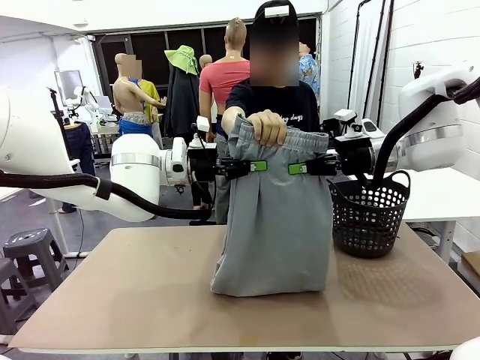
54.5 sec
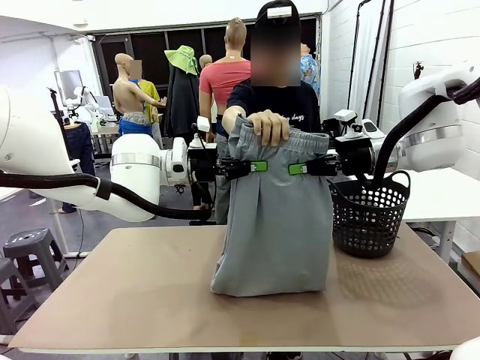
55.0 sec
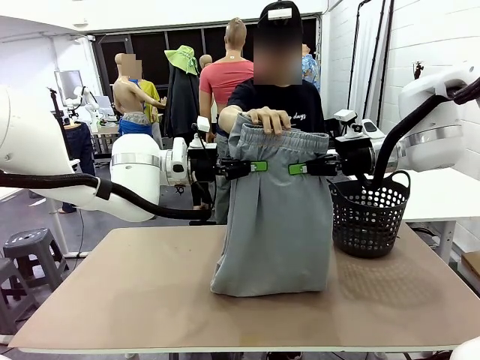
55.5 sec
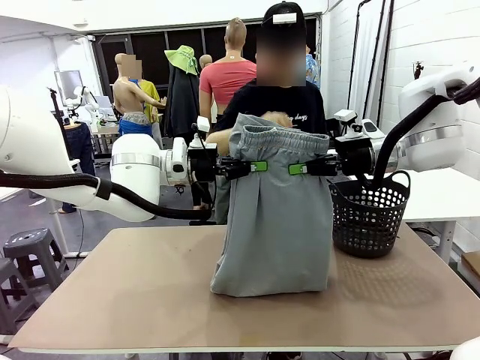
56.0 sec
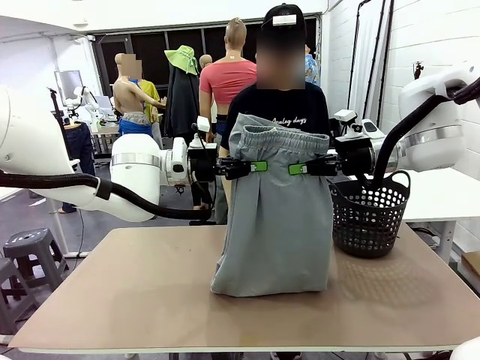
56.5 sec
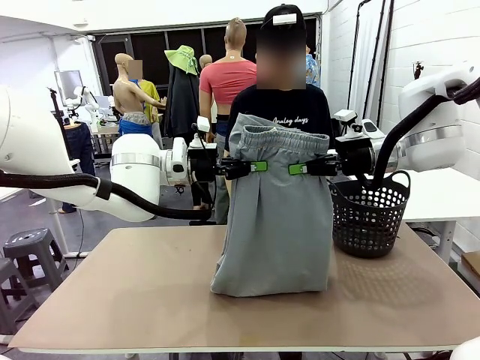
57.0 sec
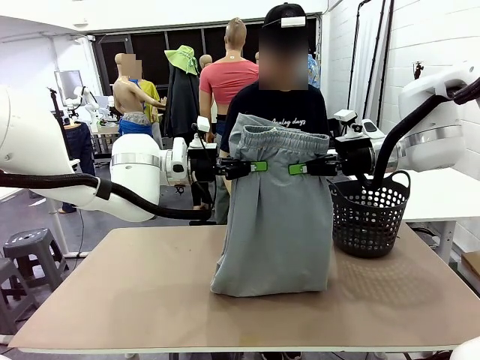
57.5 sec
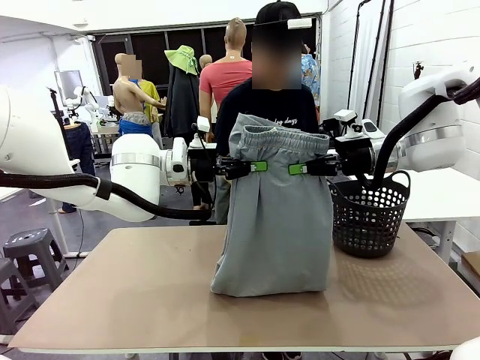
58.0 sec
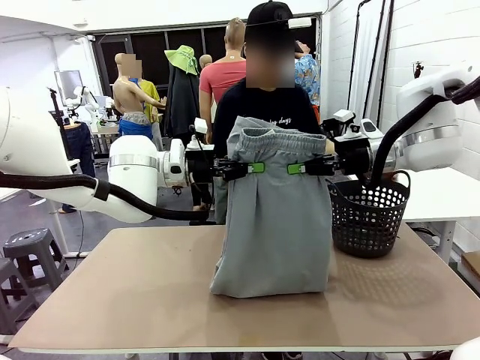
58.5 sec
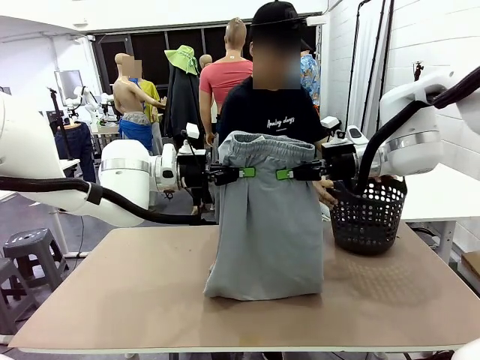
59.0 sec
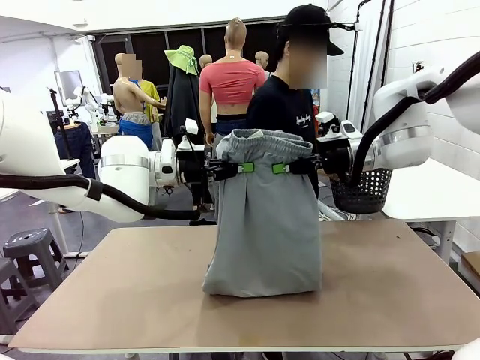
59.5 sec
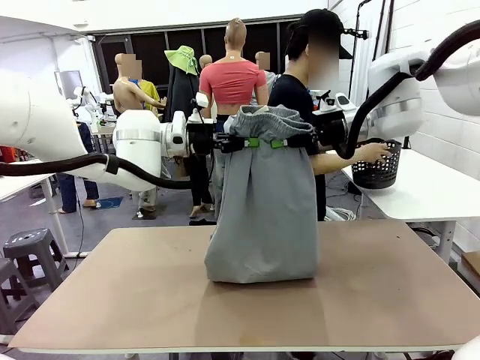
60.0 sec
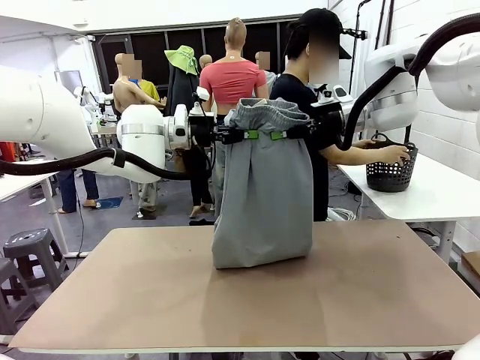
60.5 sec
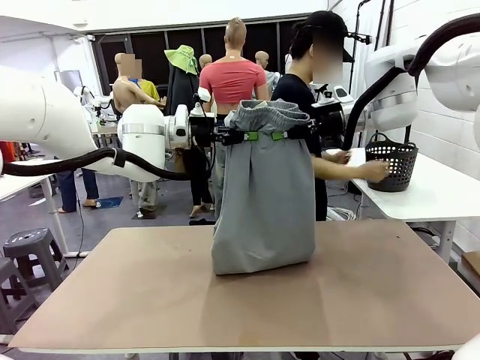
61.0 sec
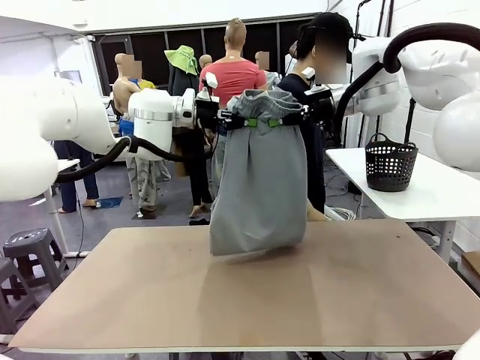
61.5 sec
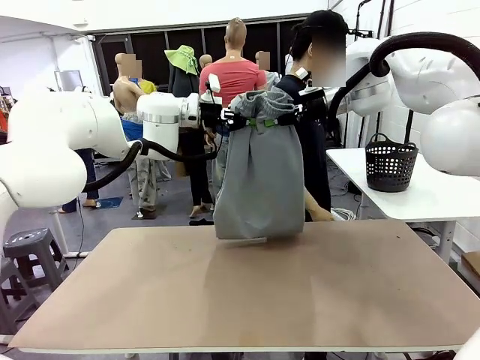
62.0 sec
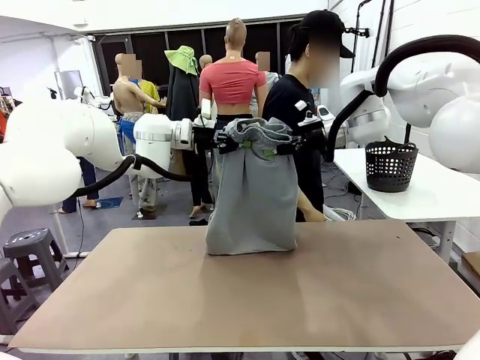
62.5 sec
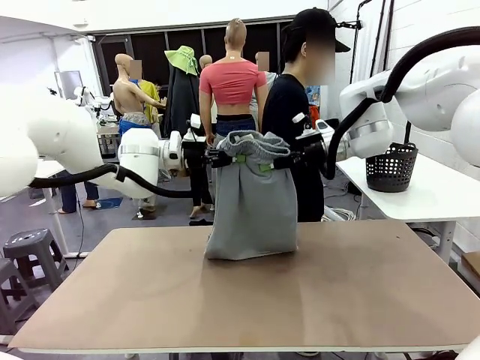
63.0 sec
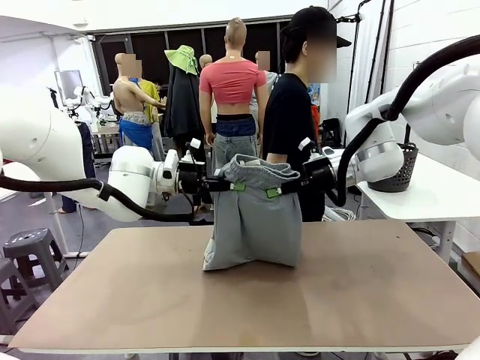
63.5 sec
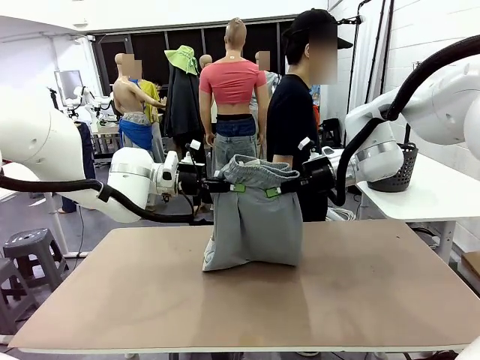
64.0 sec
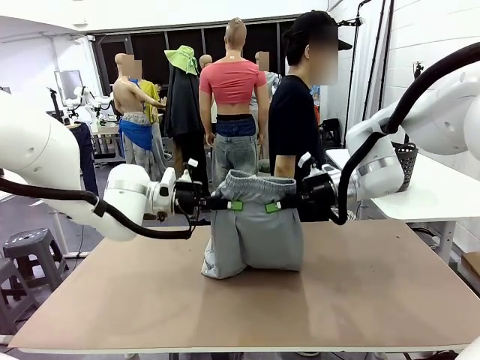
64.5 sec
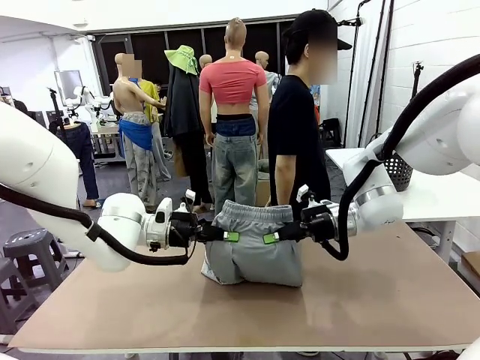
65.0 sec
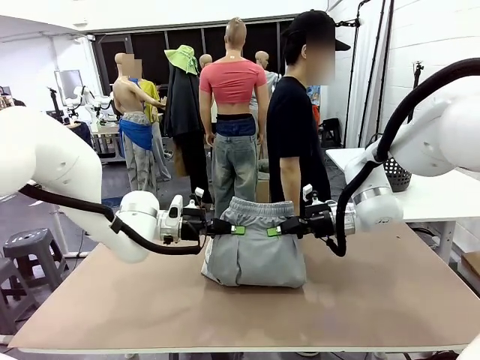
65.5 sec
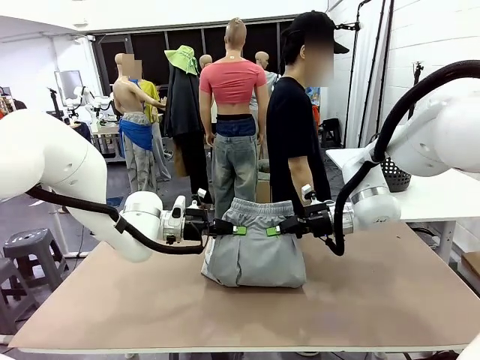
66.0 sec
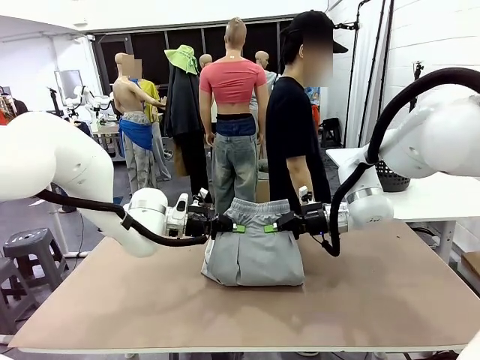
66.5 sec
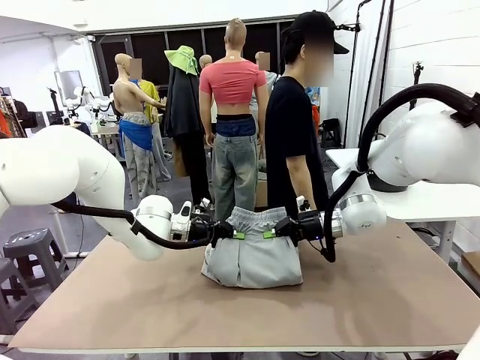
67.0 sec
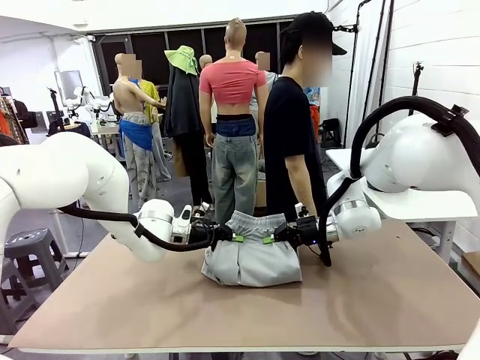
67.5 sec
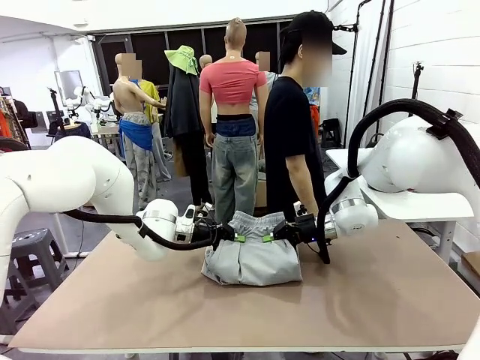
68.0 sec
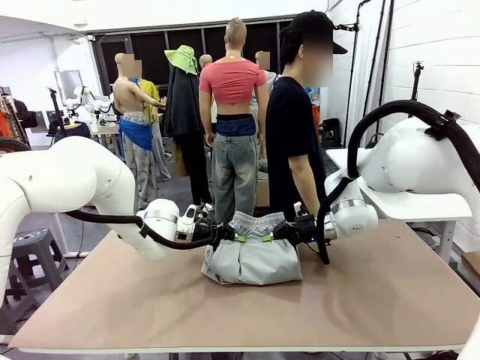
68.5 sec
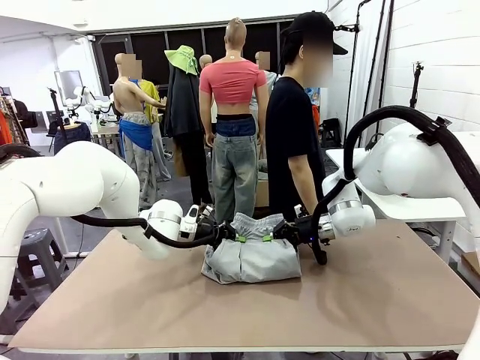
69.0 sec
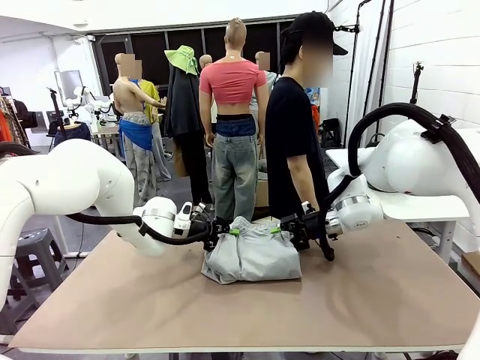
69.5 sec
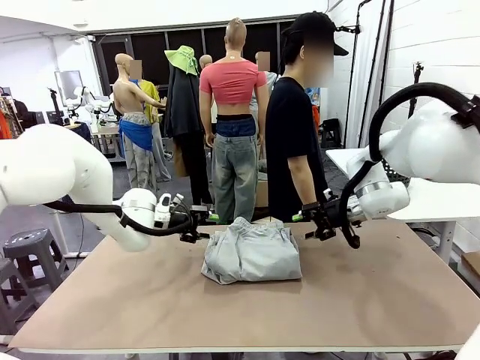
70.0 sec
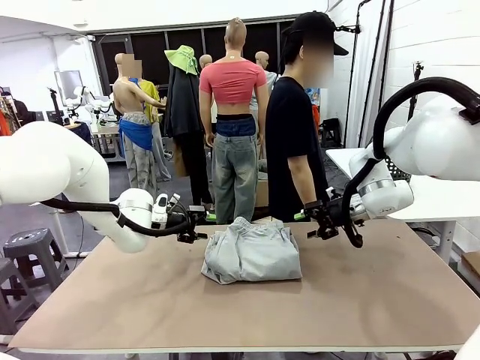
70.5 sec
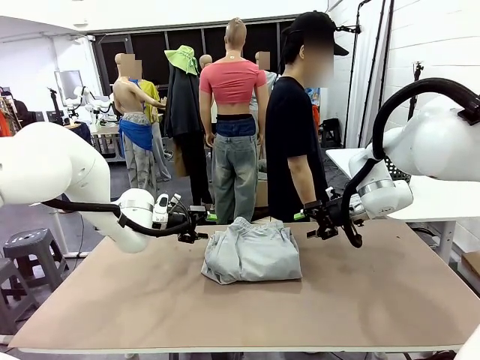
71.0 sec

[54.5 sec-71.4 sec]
Task: Fold the training pants.
Robot: Fold the Training pants in half.
Person: Move the laundry basket to the right of the human table.

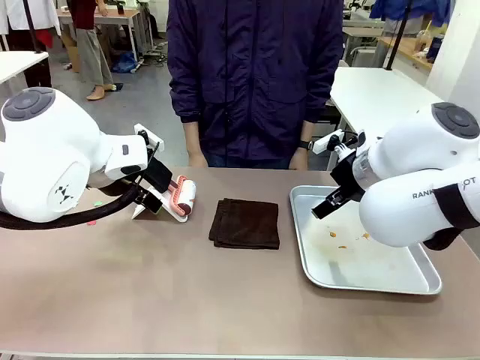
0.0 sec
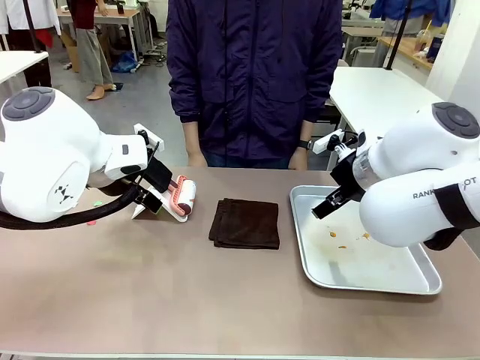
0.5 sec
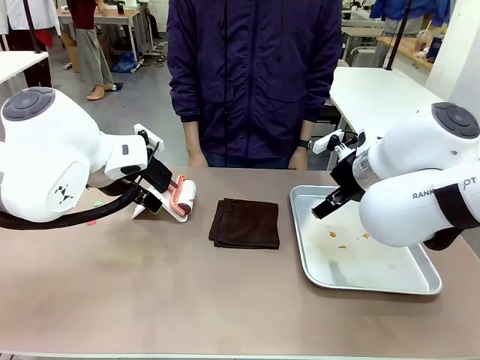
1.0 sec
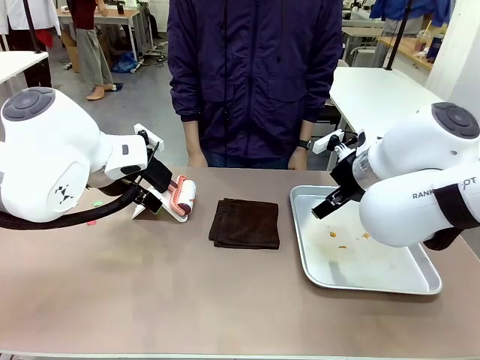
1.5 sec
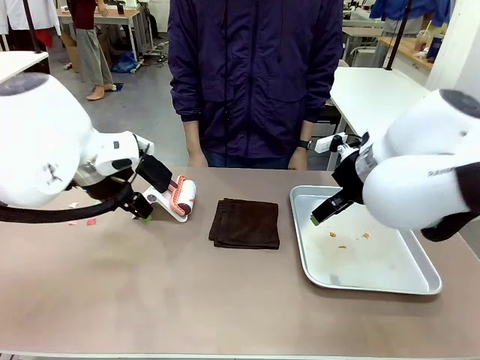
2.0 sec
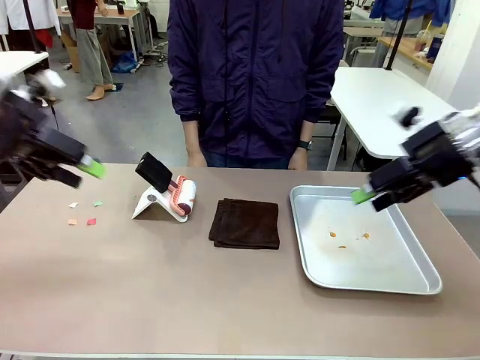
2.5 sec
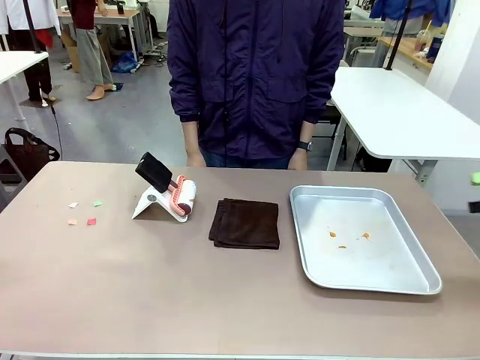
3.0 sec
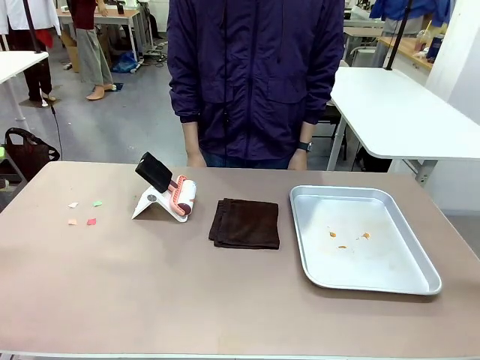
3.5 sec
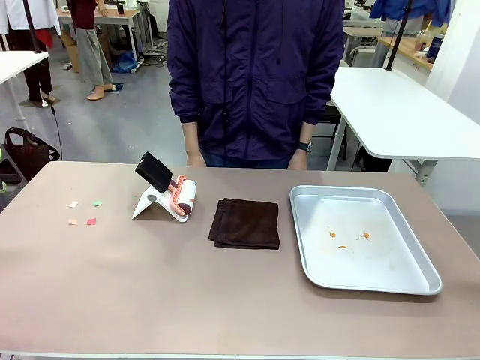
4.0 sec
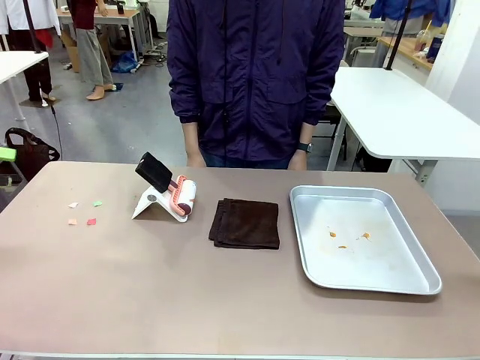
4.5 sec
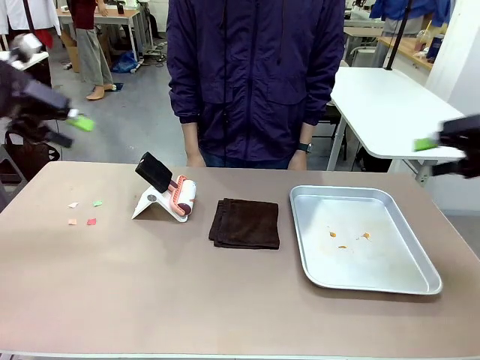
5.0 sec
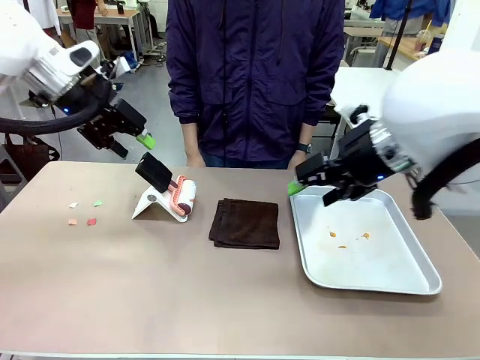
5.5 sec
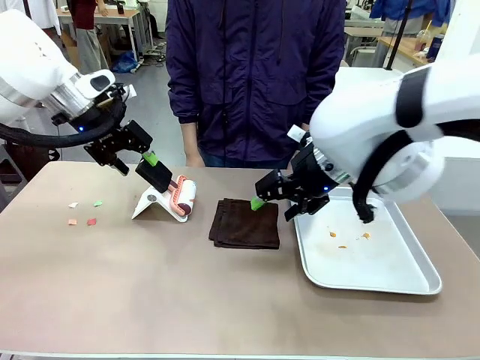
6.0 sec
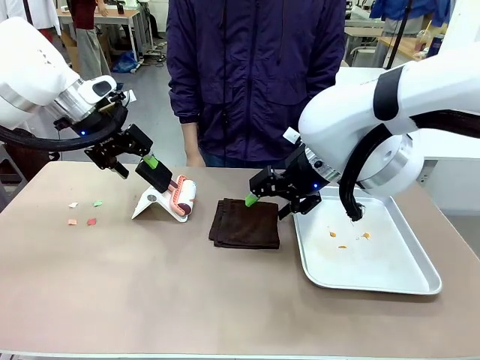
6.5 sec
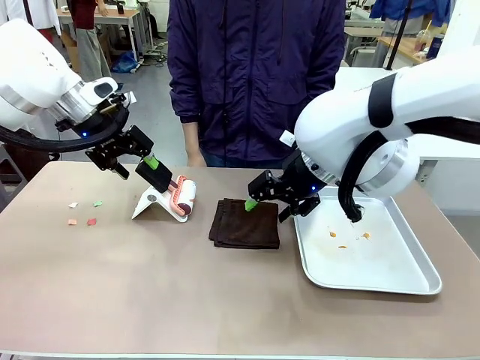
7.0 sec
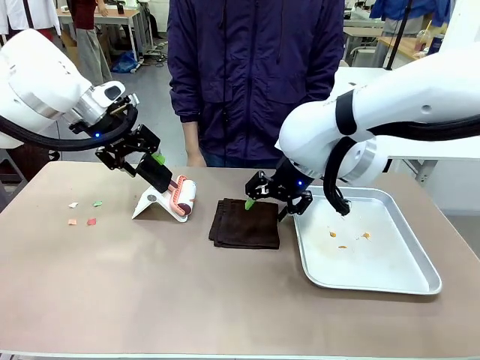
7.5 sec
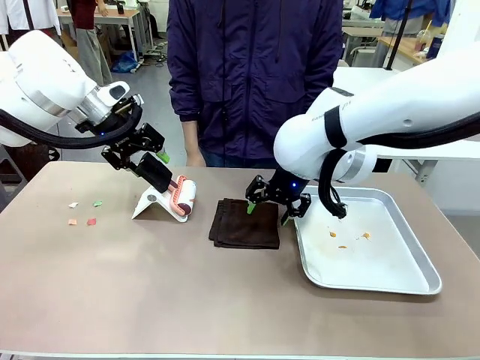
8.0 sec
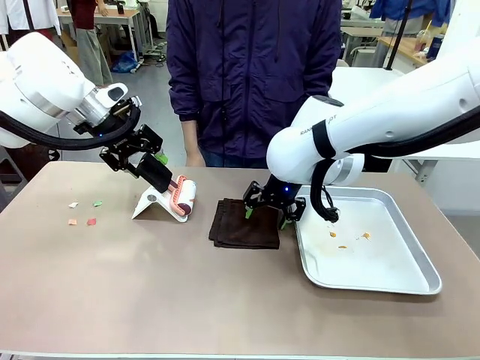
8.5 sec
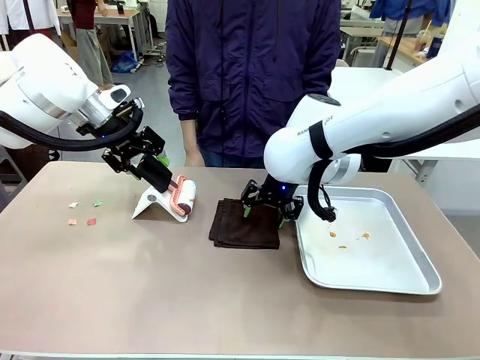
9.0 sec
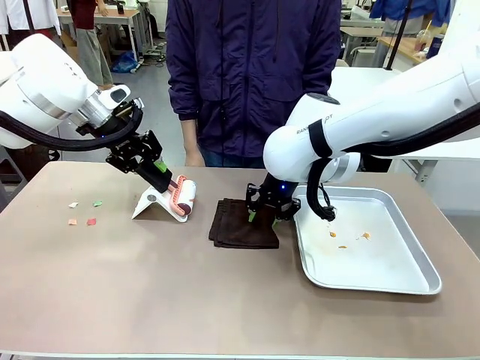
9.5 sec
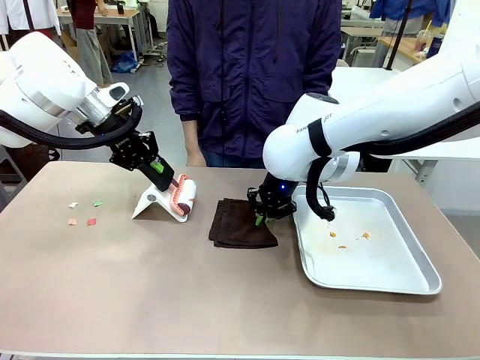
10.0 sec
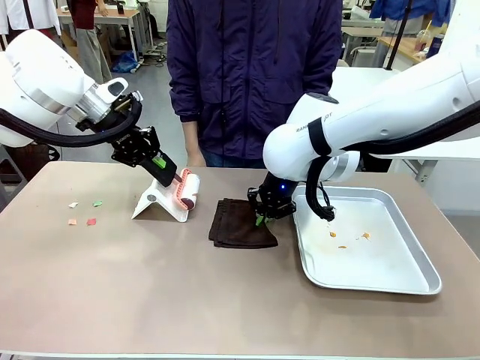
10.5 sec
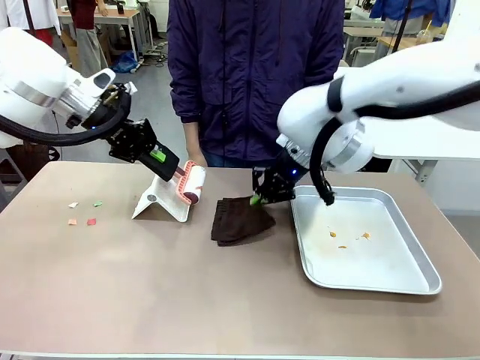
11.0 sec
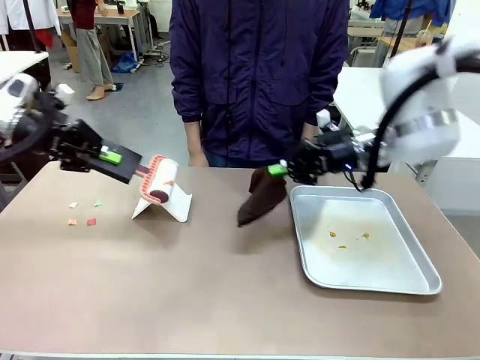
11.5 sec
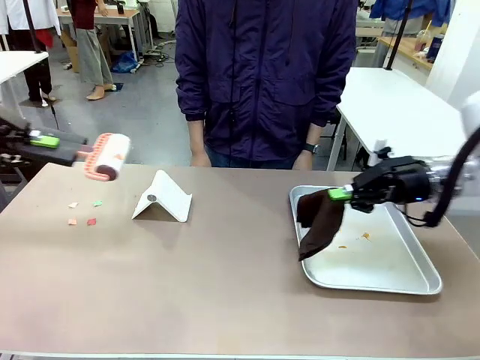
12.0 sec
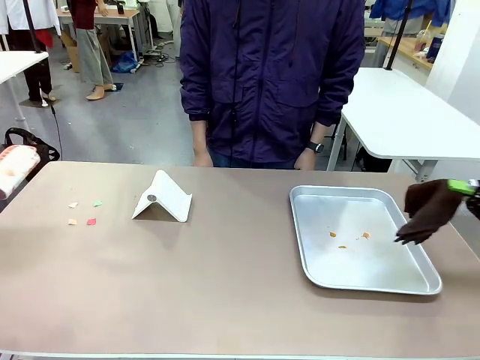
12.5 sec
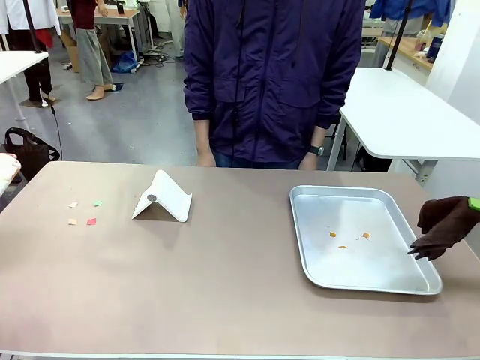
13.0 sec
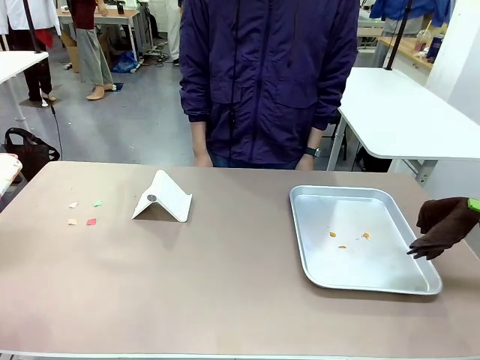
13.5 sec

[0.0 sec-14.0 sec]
Task: Clean the surface of the table.
Robot: Hold the Lint Roller with your left hand and the towel with your right hand.
